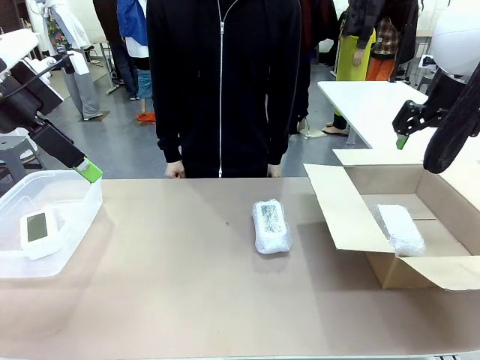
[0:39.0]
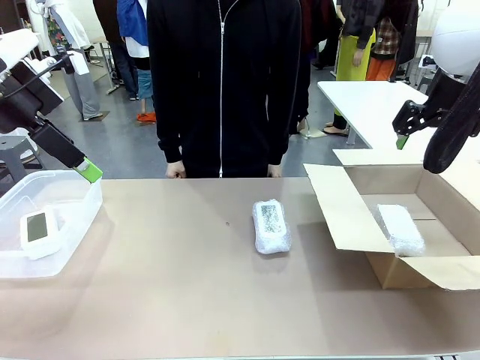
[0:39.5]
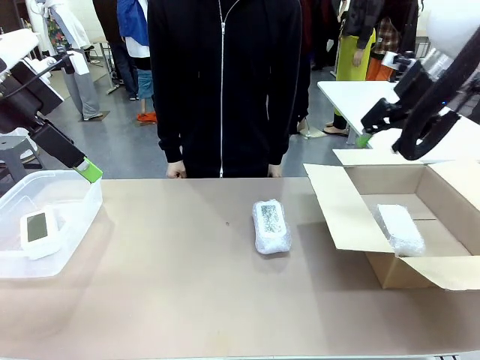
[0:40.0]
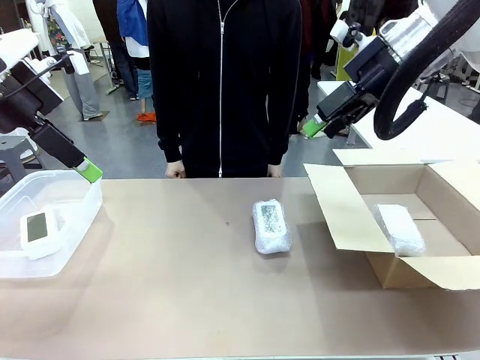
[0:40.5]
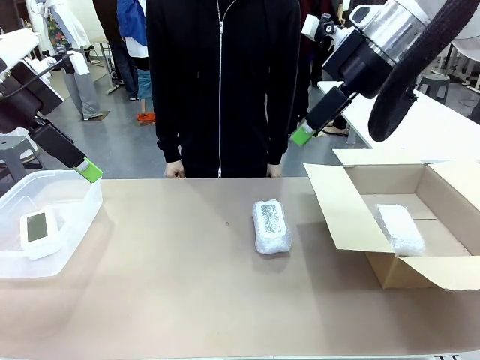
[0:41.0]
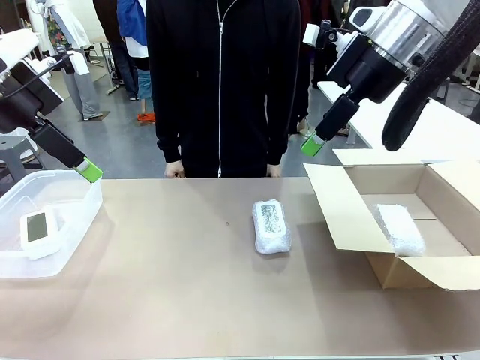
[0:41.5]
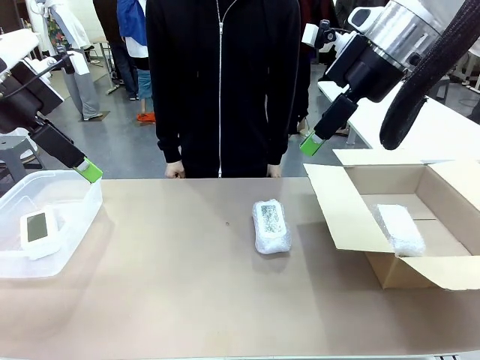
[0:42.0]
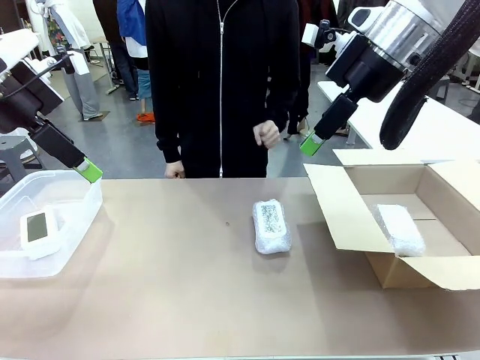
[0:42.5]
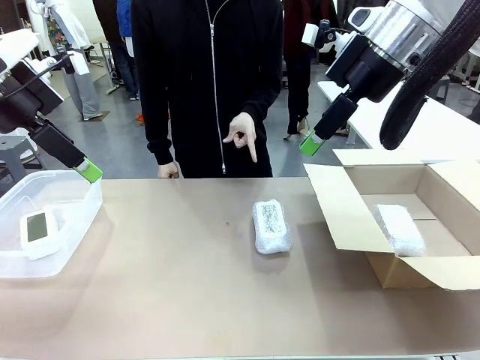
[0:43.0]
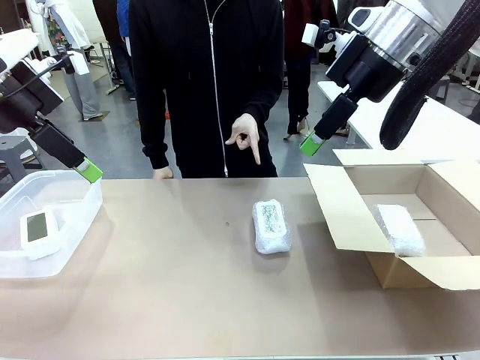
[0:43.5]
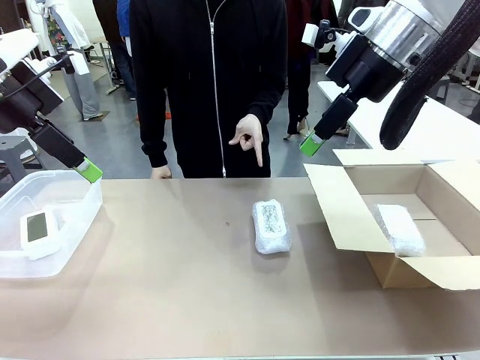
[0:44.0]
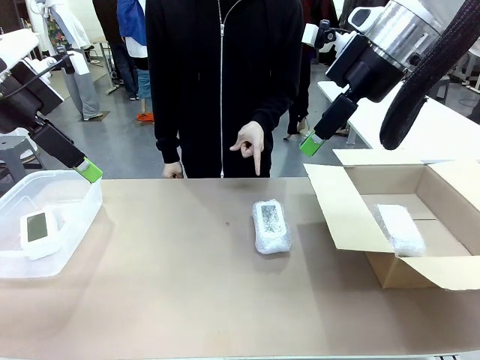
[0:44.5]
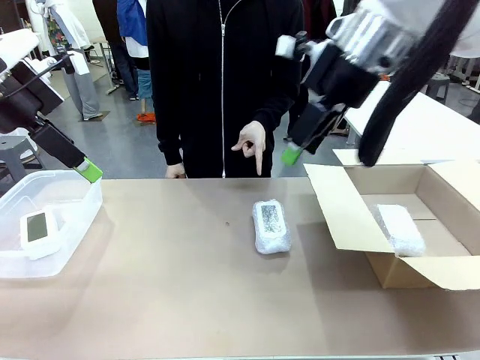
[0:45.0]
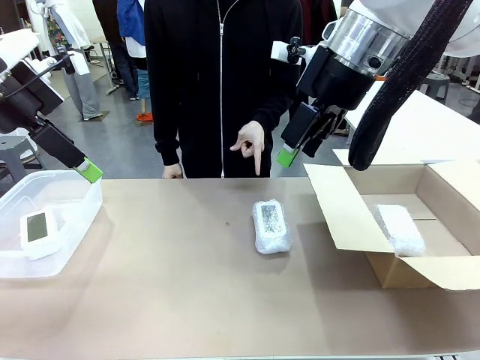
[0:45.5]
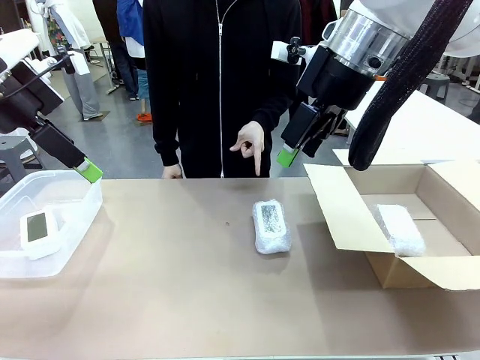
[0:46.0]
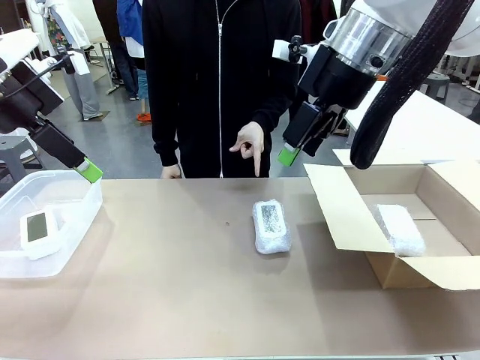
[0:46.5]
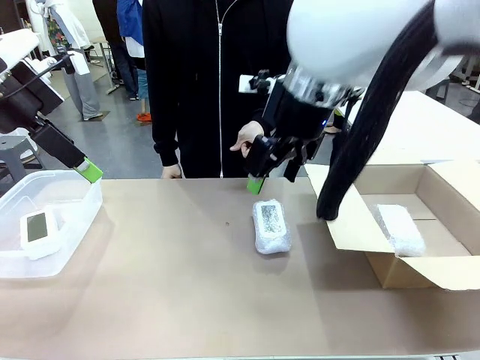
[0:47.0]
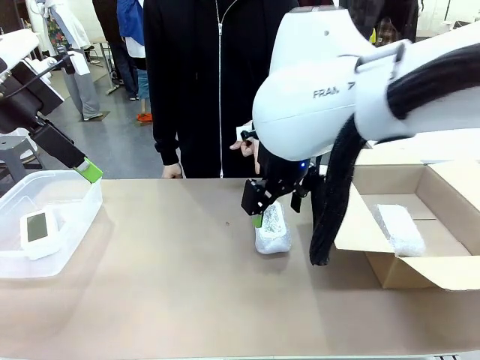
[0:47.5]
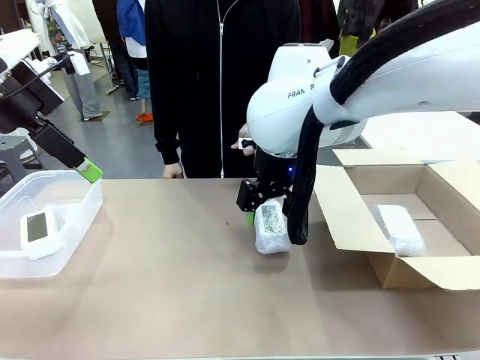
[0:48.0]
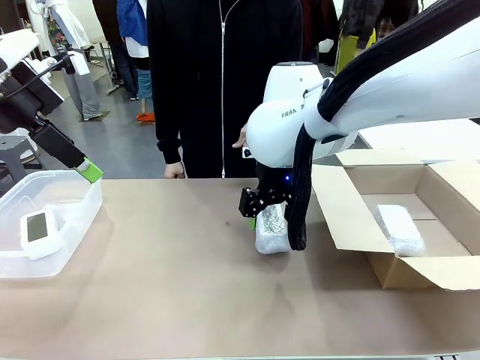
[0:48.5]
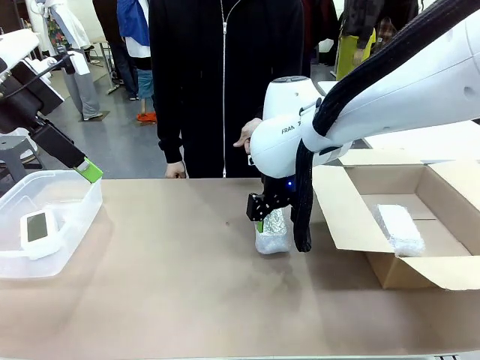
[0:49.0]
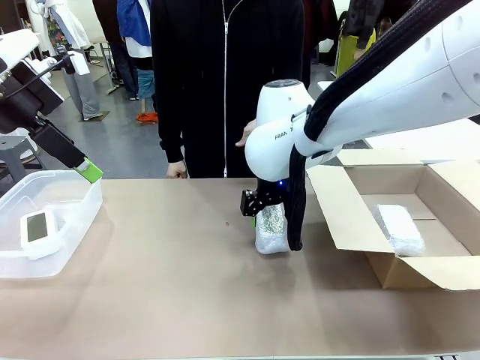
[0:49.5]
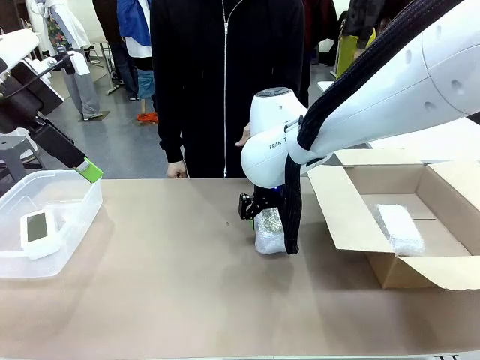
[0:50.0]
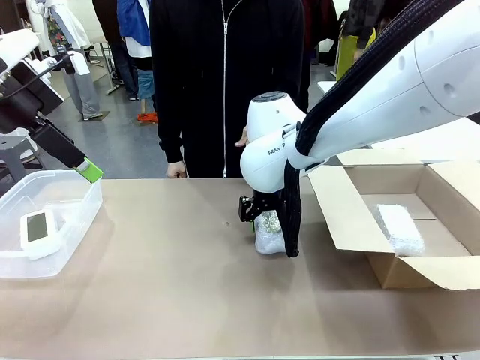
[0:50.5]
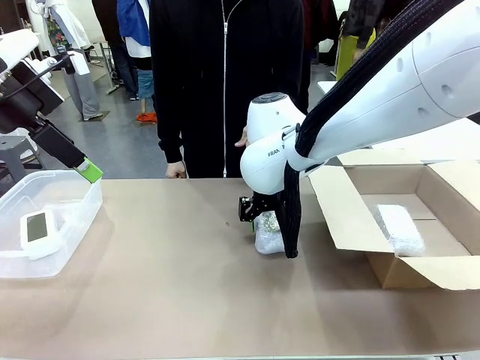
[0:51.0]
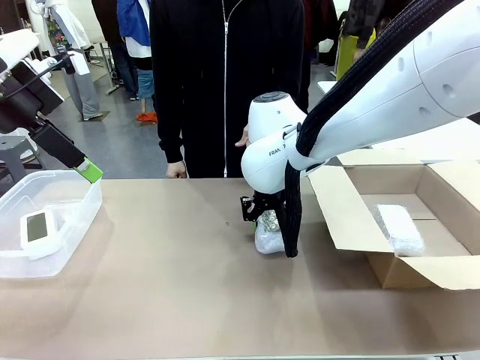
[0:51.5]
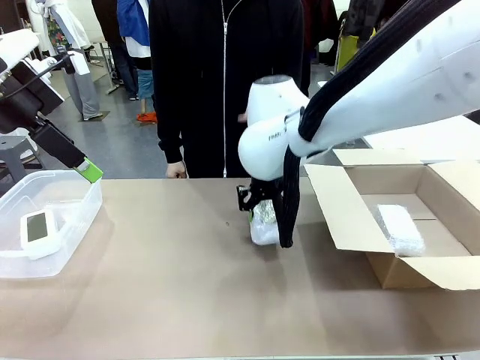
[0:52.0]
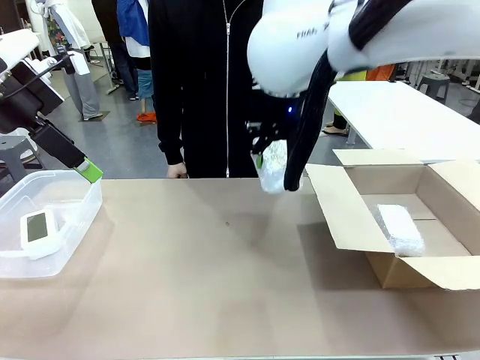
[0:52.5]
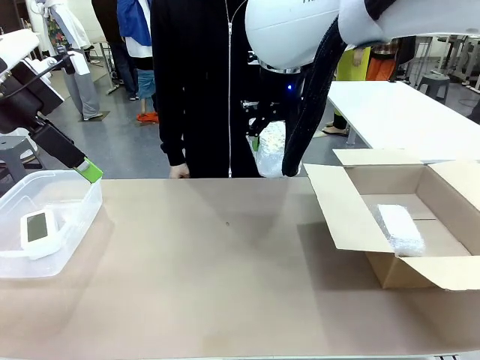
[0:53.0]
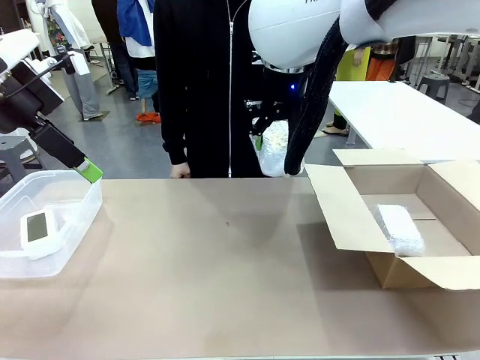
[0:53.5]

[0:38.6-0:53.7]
Task: Separate and place wrapped and unwrapped clocks.
Robot: Pick up the Digital clock indicated by the person.

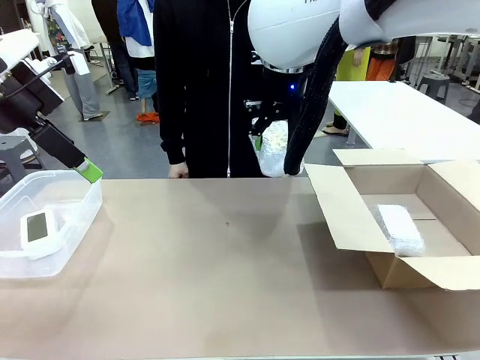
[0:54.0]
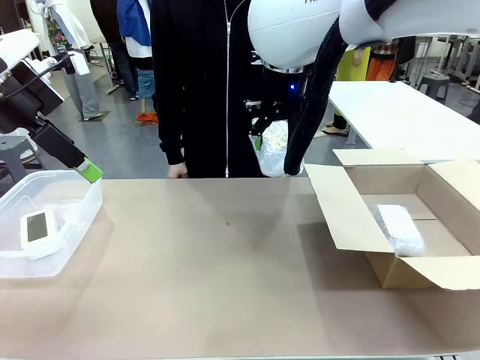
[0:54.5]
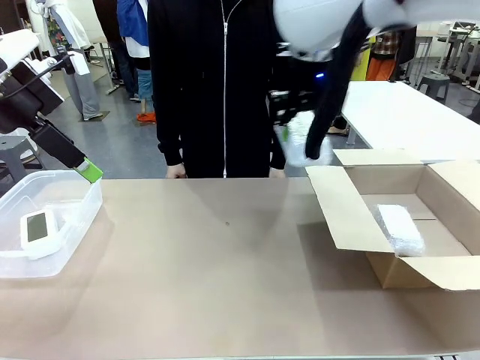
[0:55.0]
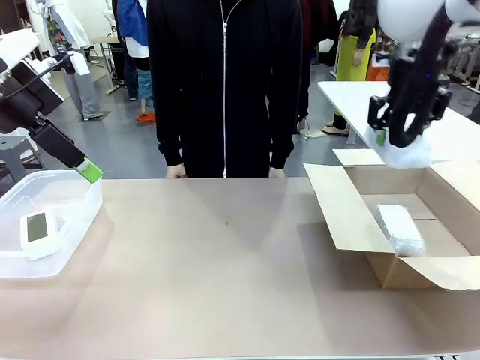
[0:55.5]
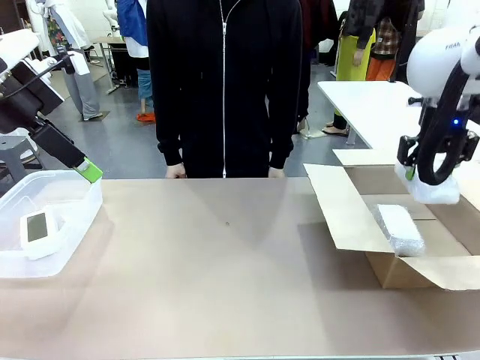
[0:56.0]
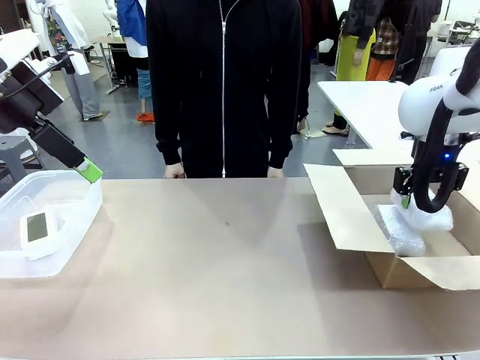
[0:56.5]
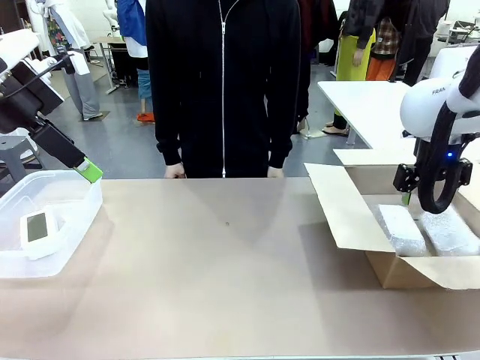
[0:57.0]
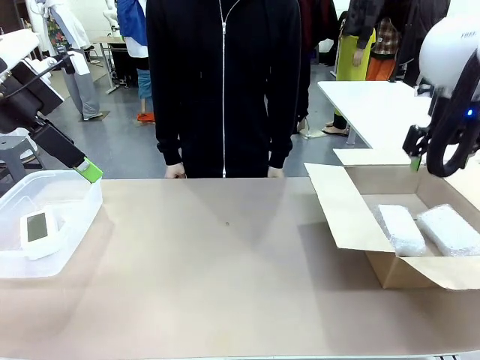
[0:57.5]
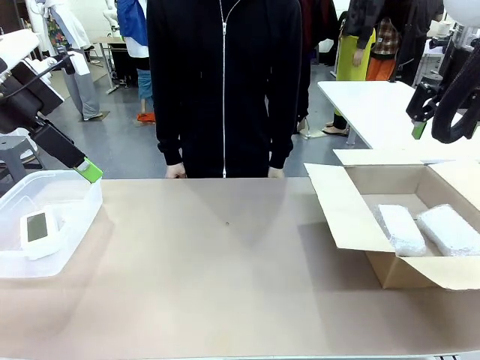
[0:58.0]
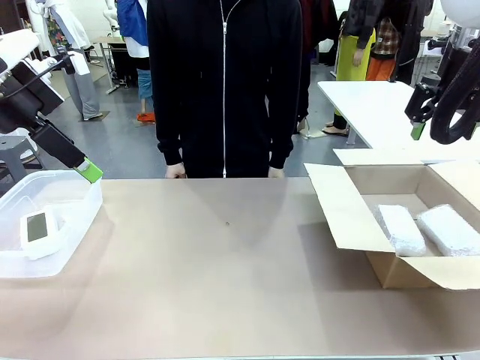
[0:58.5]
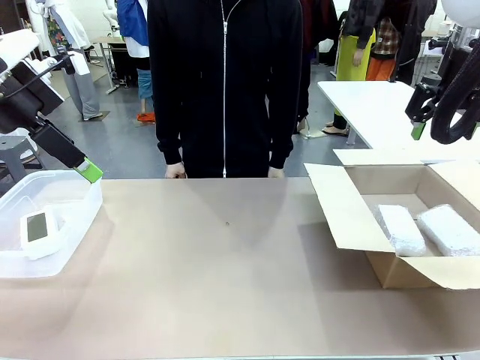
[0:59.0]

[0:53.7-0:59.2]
Robot: If the picked Digital clock is wrapped, place it in the Package Box ; if not, place it in the Organizing box.
